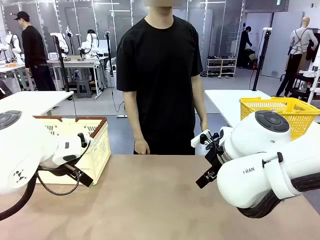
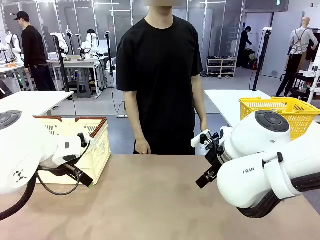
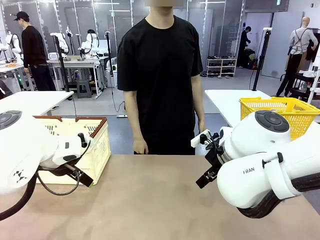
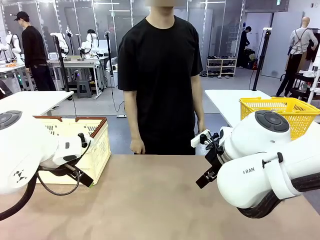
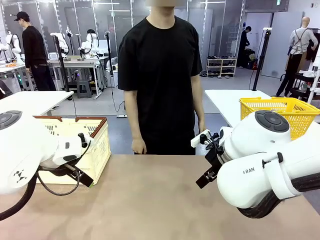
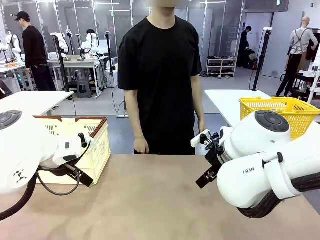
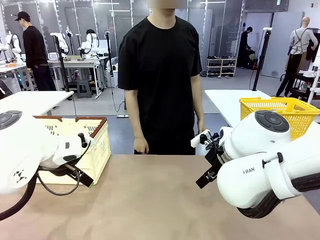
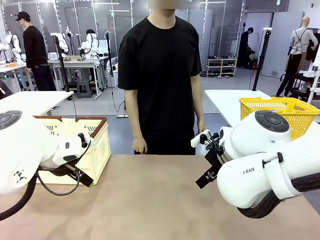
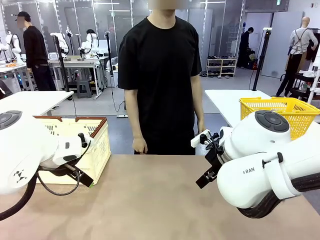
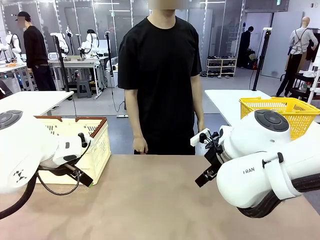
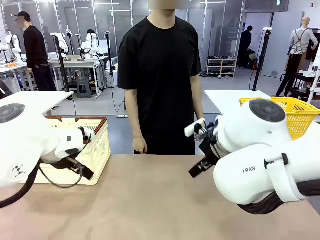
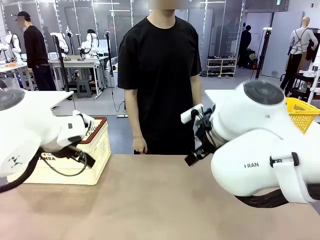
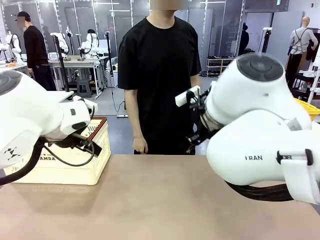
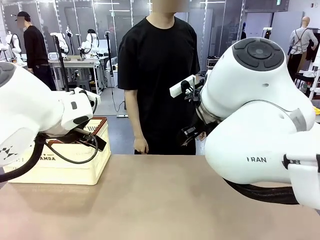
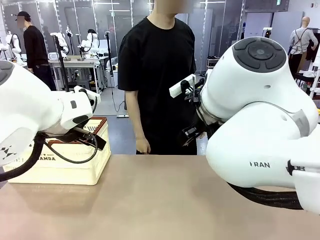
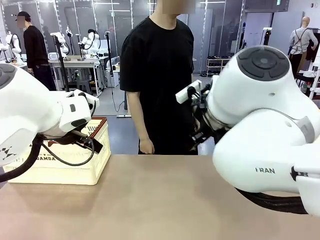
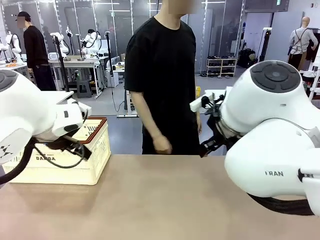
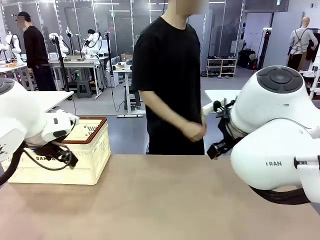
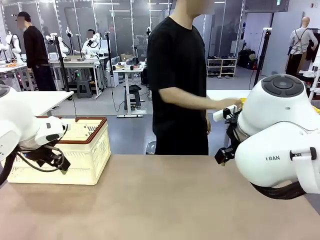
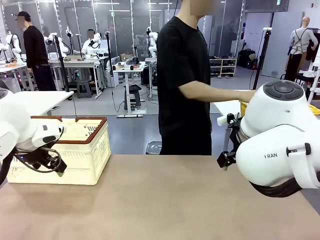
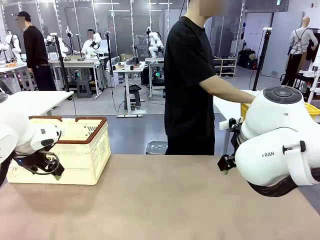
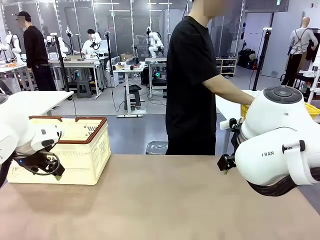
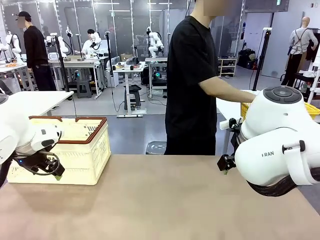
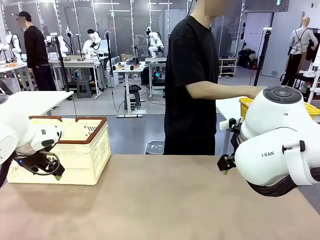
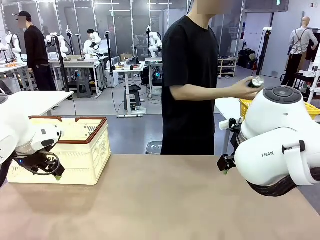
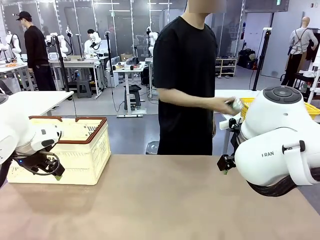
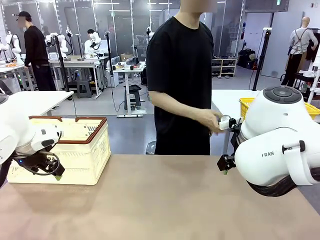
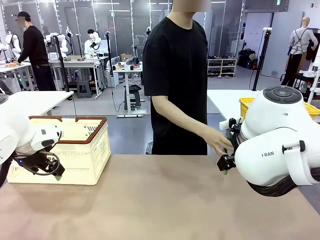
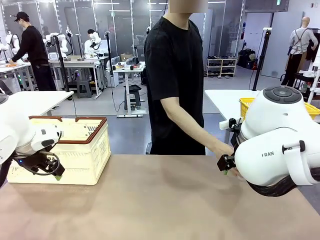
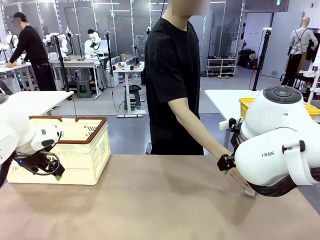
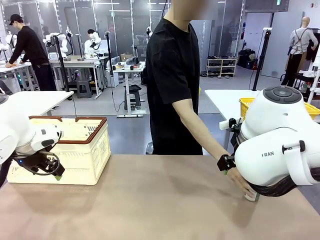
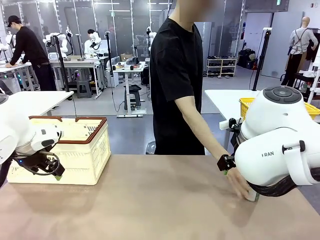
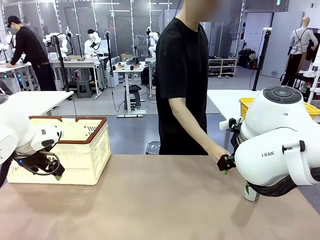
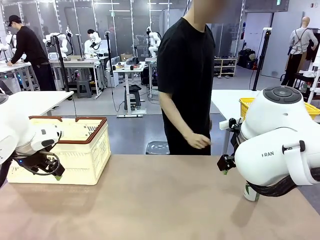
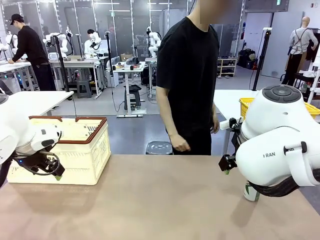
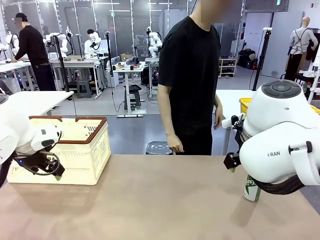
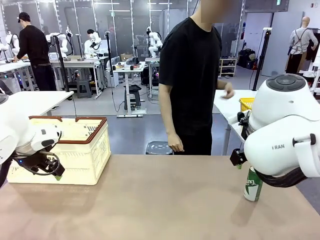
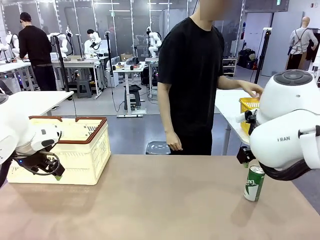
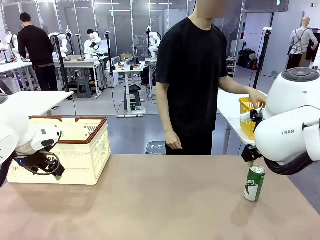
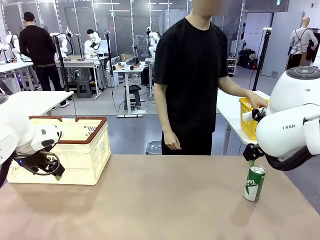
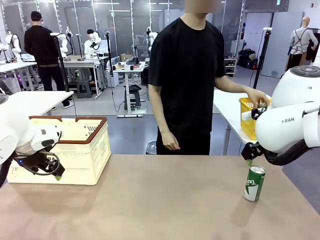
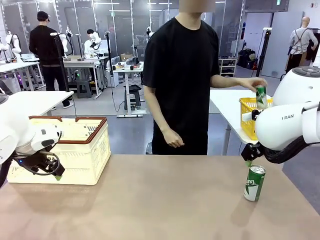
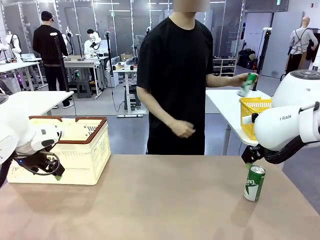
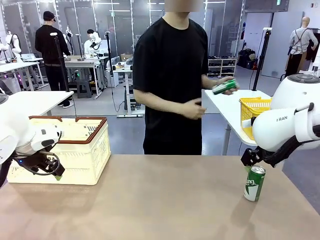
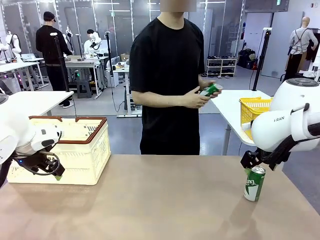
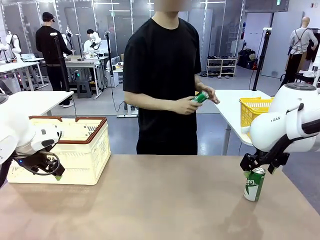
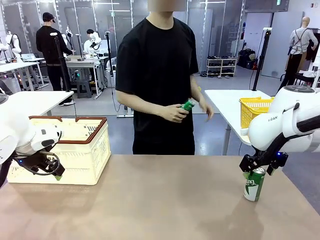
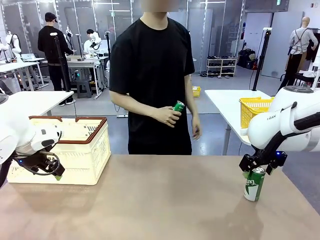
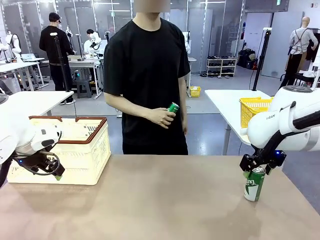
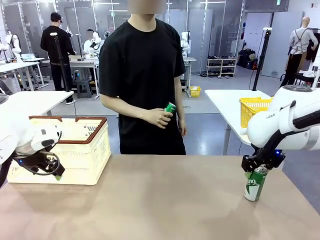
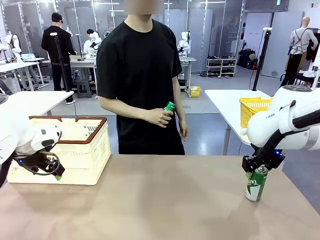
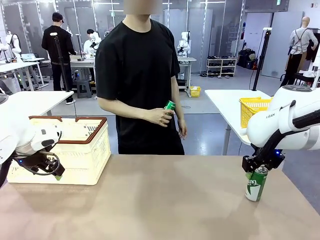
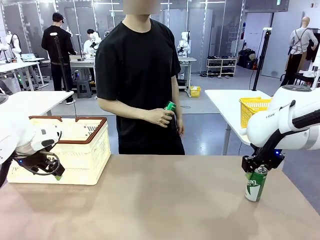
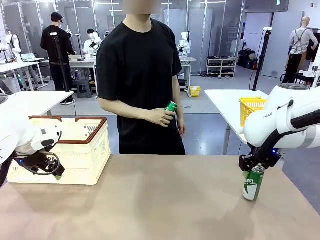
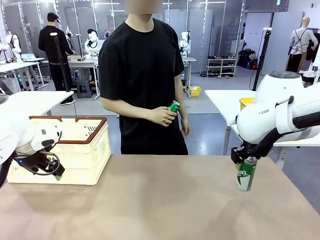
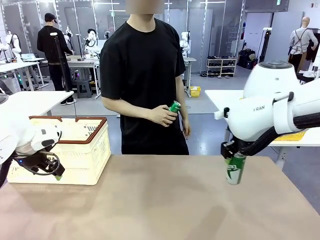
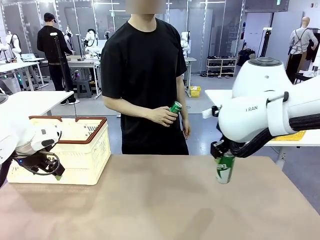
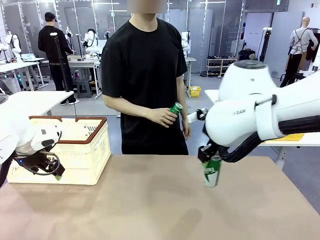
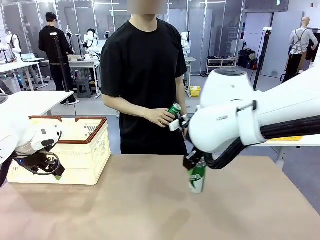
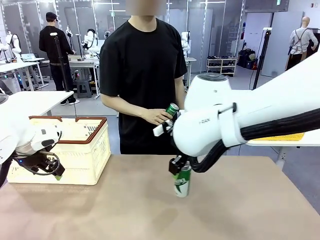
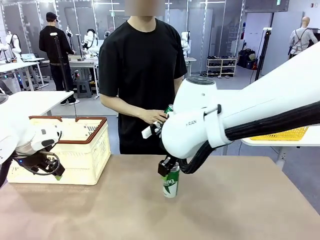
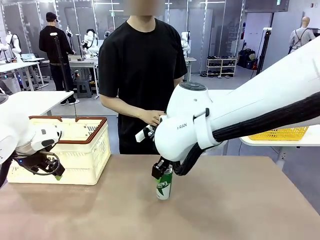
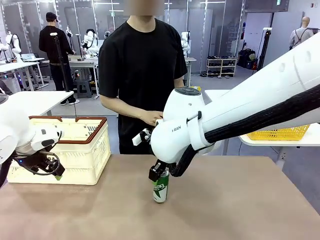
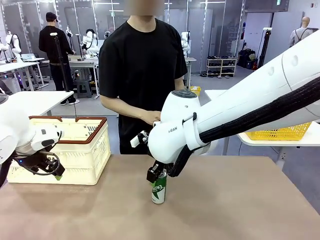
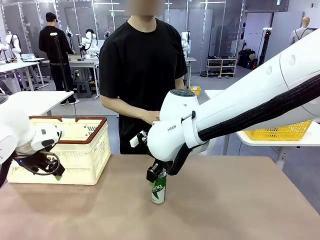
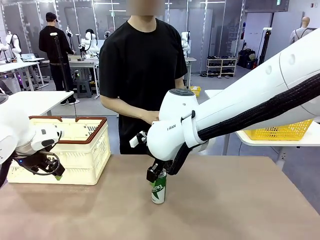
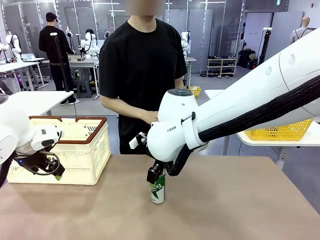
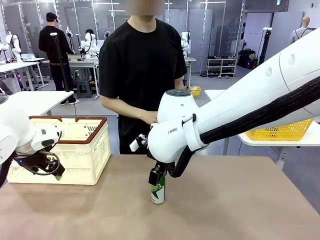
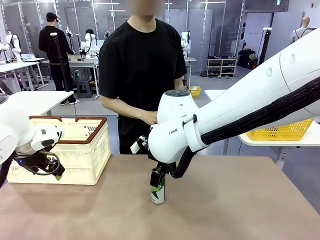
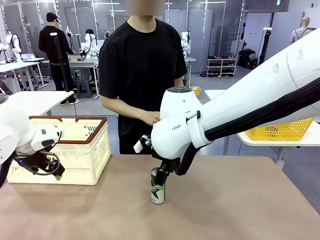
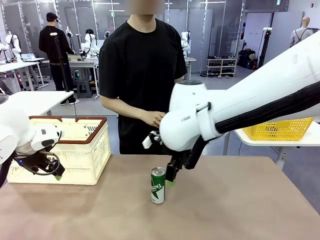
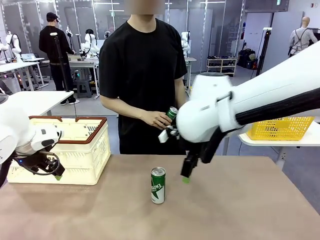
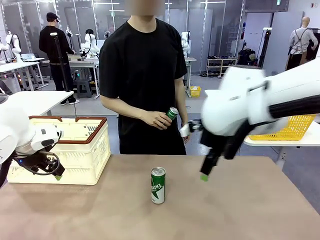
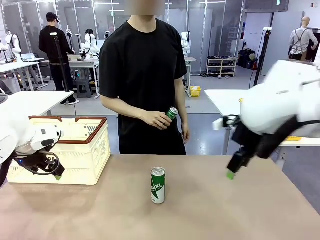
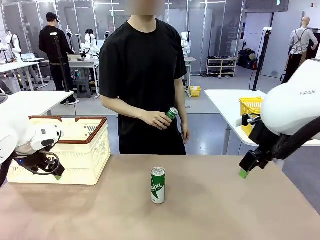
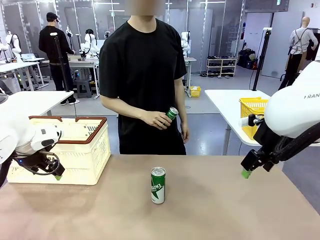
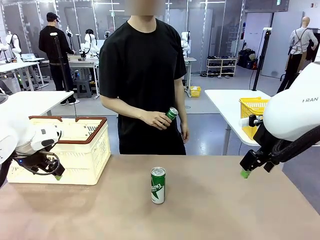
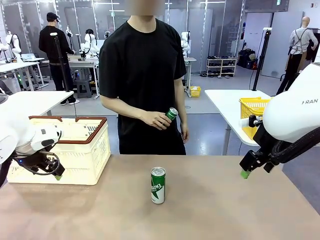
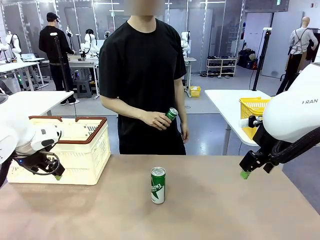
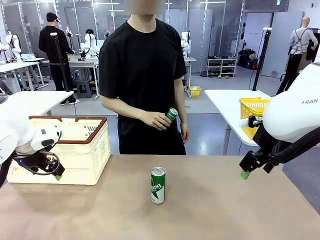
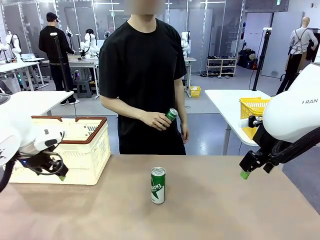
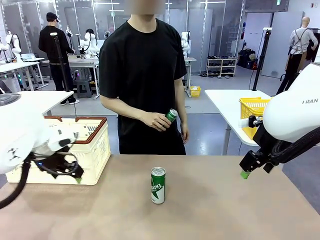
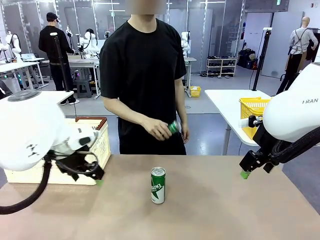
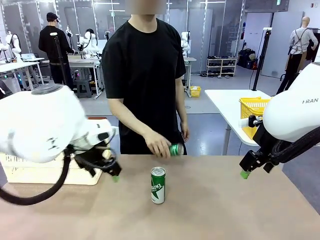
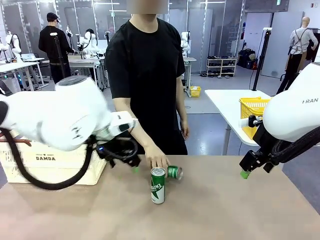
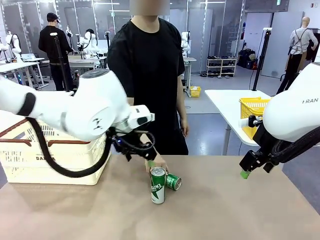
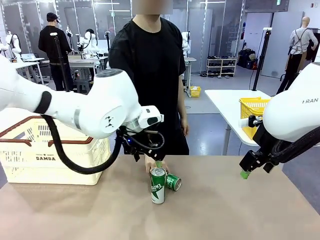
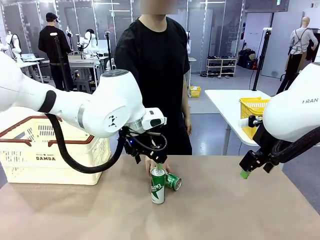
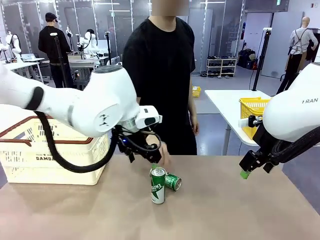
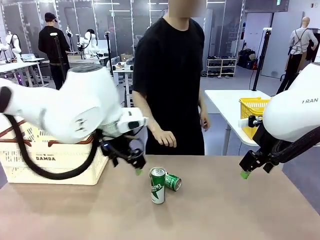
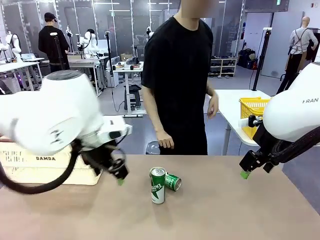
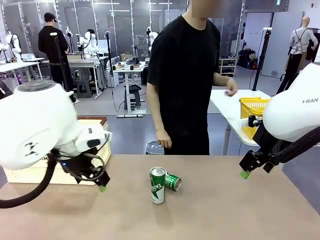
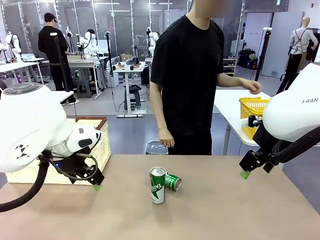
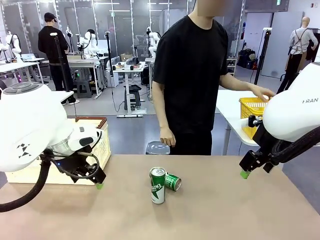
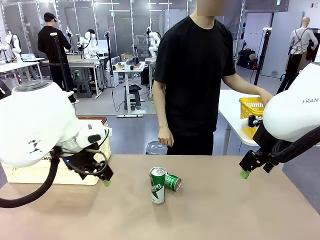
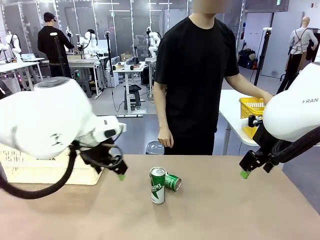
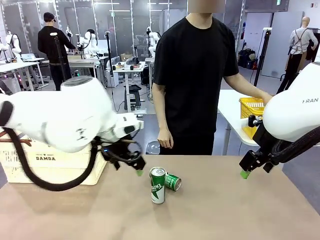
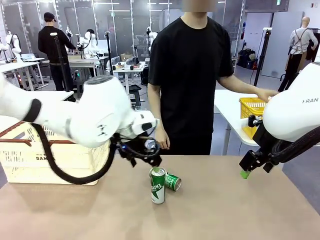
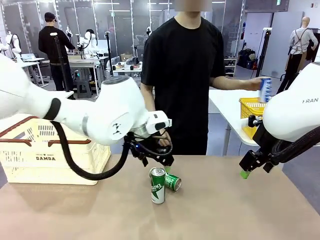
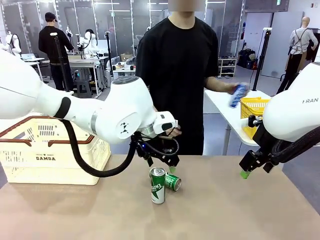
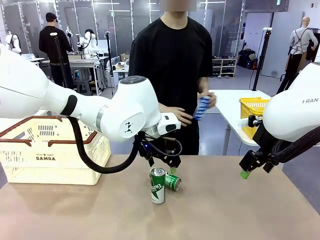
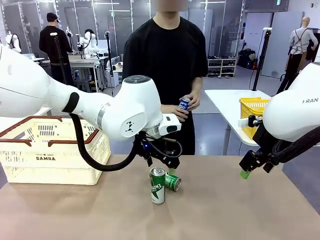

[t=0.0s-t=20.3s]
Task: Place the drinks into the Shopping basket.
Robot: Pick up one drink and place it into the Shopping basket.
